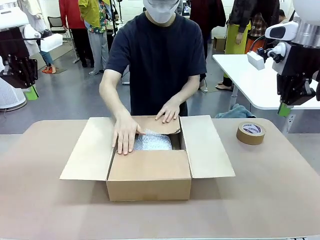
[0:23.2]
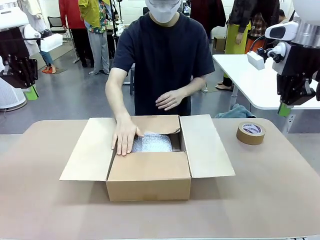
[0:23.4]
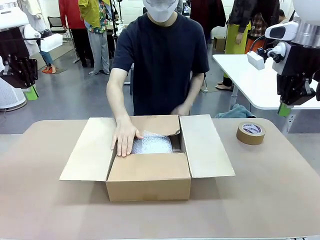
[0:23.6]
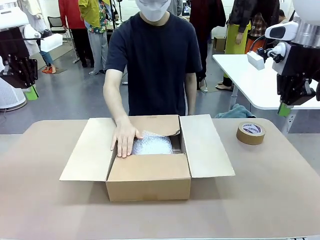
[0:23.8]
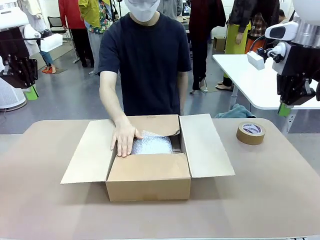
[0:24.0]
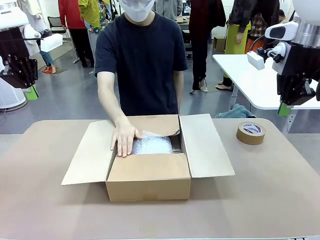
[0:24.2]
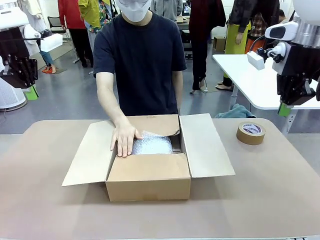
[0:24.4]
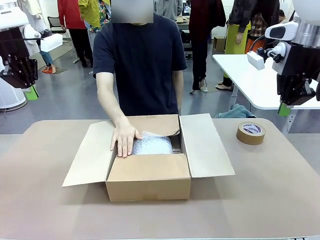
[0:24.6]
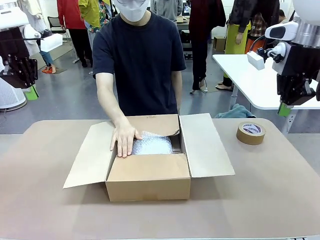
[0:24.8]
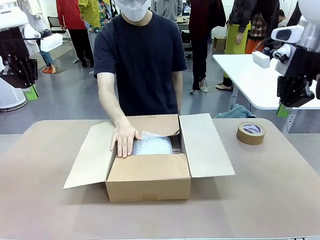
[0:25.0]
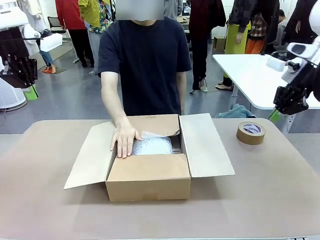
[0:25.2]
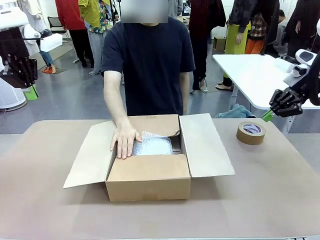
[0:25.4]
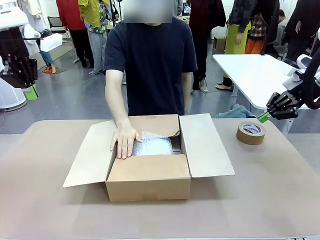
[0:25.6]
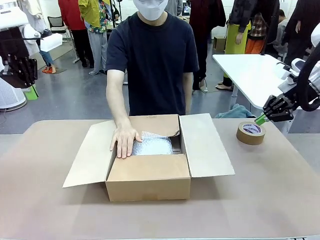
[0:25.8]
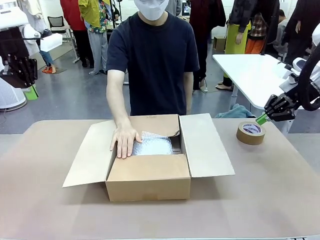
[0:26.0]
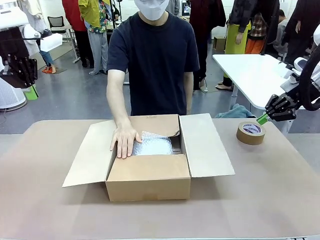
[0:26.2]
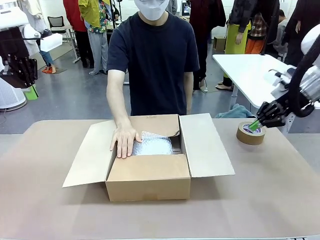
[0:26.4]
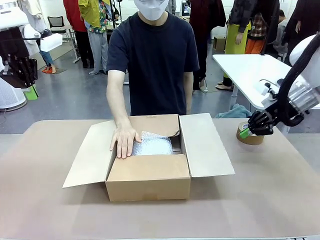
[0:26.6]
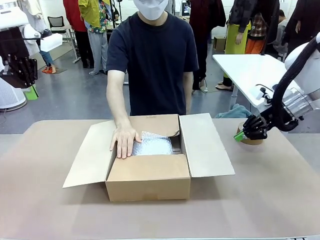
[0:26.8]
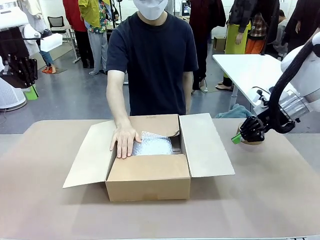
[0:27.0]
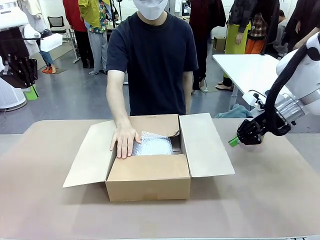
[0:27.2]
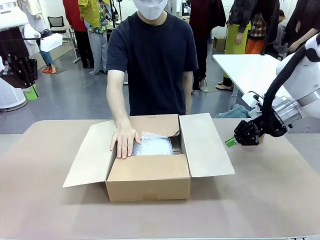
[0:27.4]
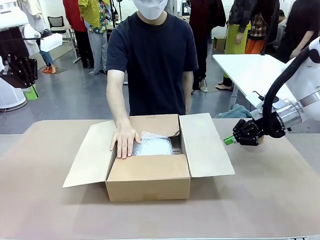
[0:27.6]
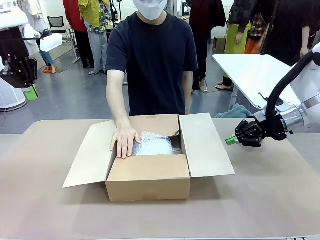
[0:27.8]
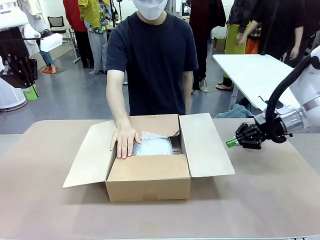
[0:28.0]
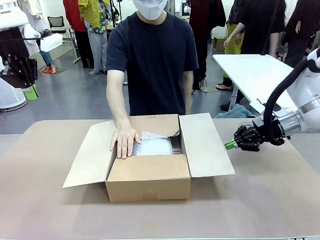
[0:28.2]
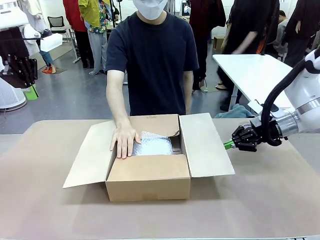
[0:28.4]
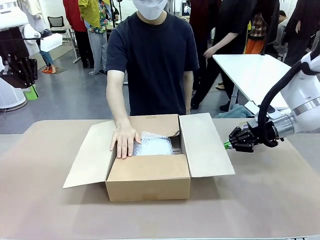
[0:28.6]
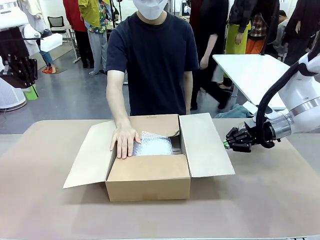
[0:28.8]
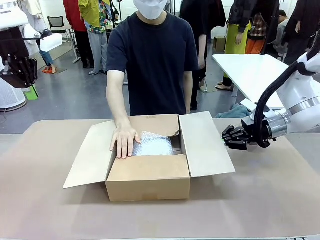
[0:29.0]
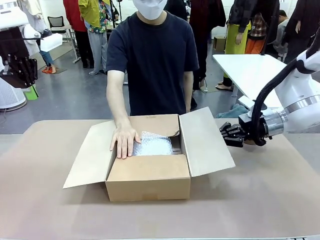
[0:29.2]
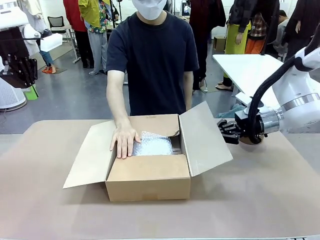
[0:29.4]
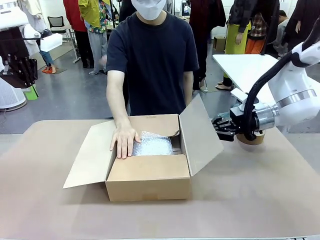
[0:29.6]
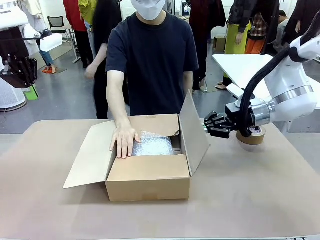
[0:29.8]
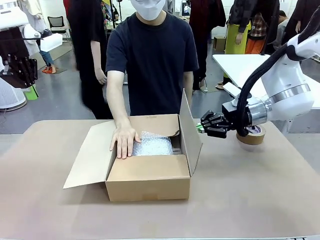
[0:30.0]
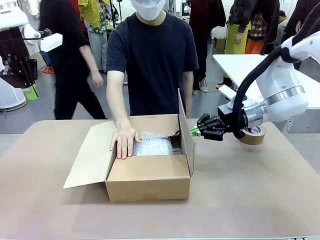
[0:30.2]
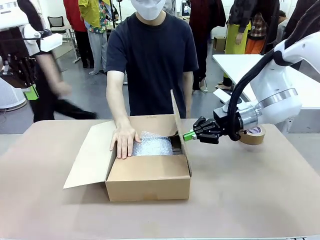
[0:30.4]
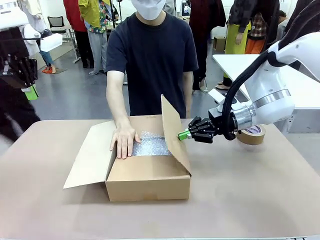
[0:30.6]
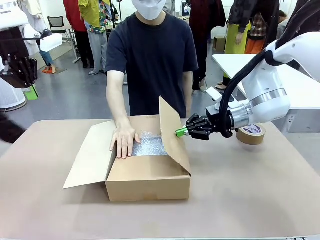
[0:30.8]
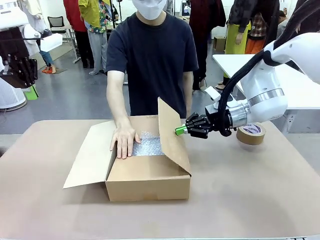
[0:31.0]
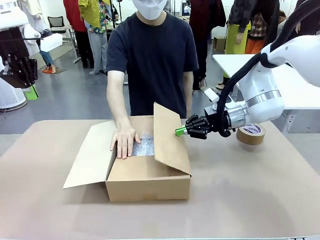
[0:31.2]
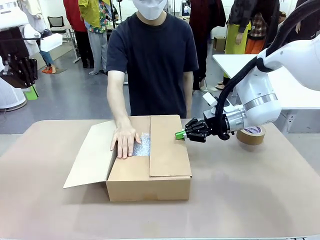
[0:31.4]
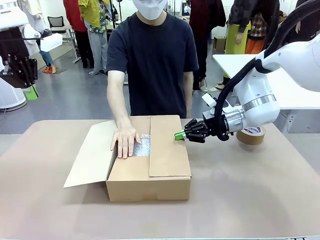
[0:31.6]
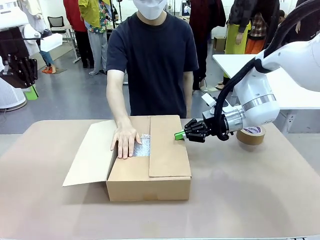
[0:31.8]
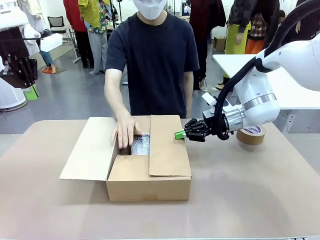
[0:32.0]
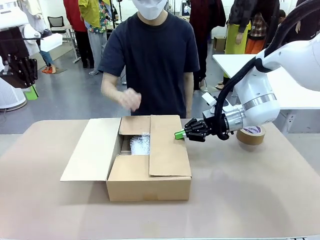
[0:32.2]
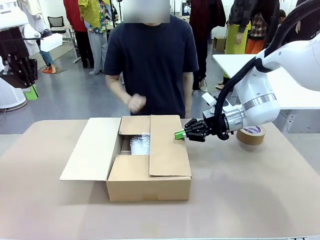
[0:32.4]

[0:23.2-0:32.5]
Task: Wrap the clocks to prevent damage.
Robot: Push the right (or left) flap of the Package Box to close it.
Person: Once the robot closes the right flap of the Package Box , release your left hand from the box.

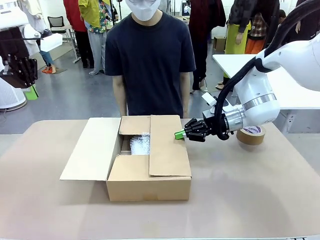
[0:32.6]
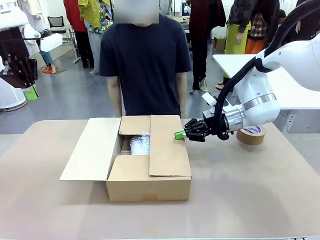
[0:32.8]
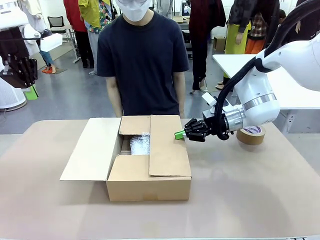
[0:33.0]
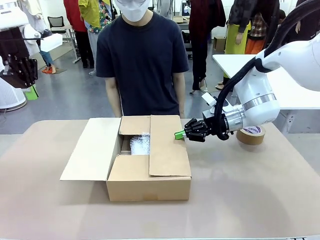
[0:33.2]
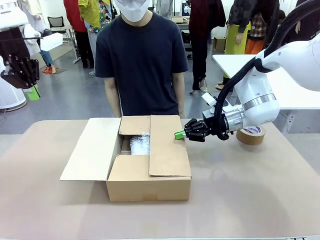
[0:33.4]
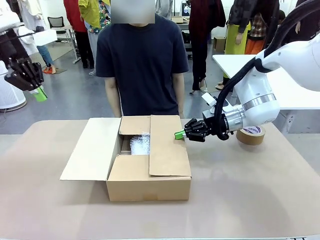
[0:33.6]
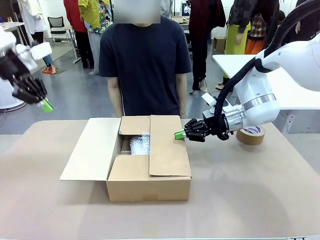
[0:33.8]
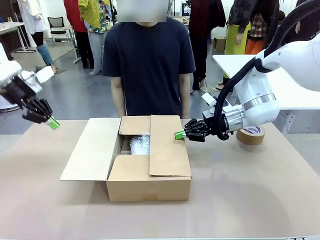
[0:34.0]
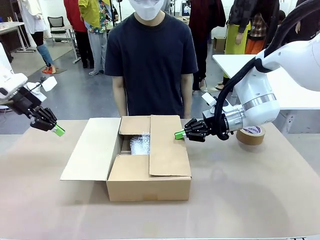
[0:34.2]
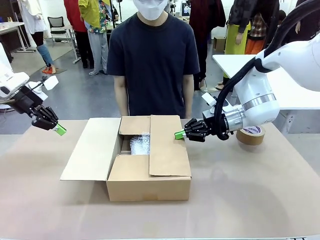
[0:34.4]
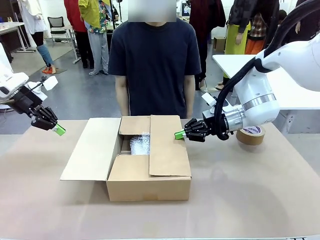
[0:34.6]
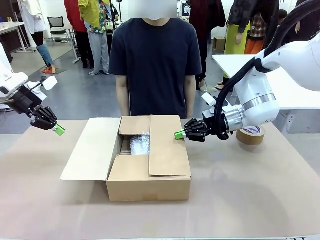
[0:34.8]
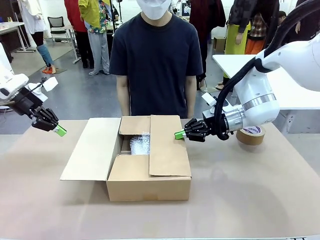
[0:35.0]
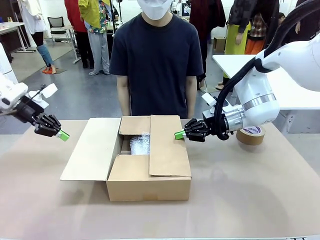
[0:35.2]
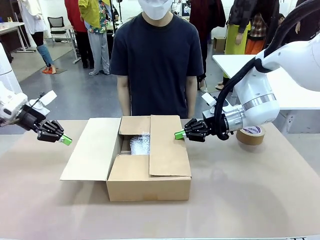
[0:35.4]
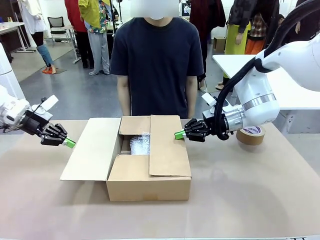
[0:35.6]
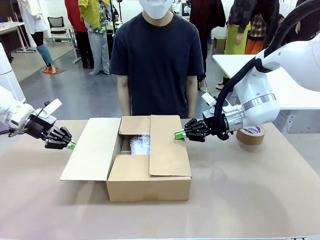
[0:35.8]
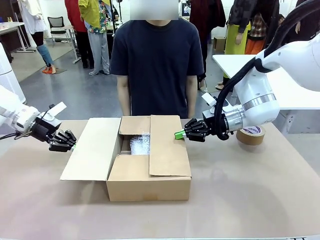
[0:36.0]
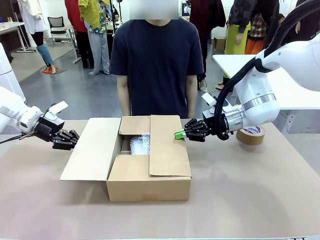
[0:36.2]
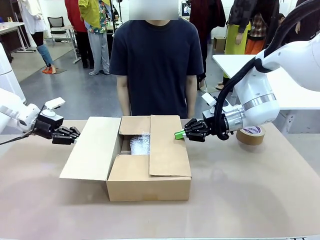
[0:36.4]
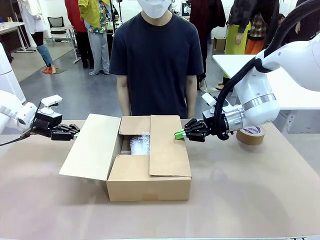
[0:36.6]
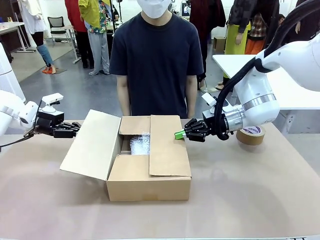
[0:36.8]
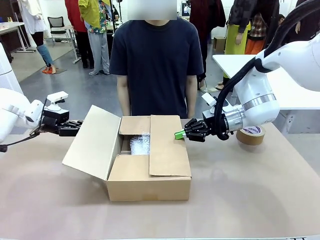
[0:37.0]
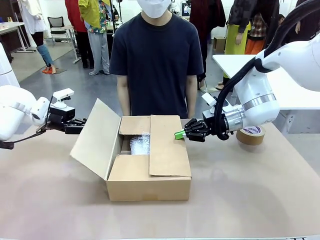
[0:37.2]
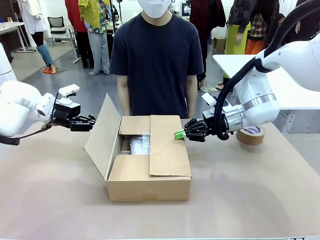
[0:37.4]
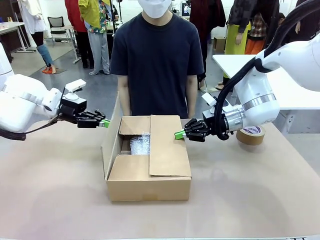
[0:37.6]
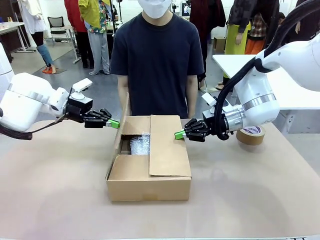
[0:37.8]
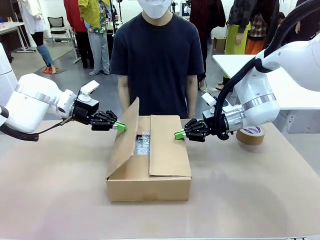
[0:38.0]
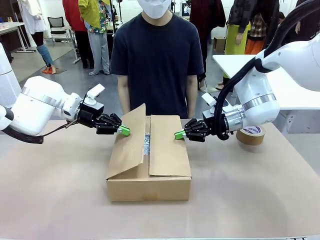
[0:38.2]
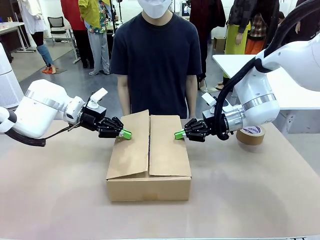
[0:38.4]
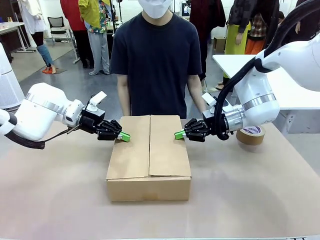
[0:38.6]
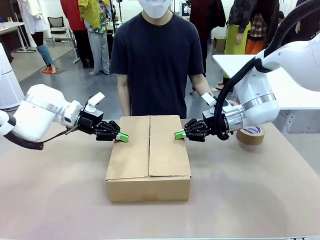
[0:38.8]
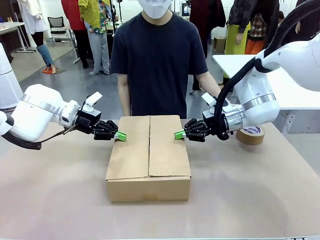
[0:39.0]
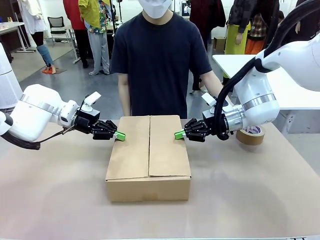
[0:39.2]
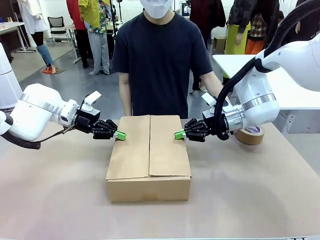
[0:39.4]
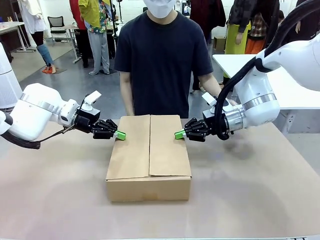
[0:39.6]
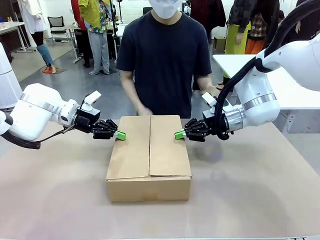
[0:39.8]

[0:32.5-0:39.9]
Robot: Push the left (or right) flap of the Package Box to close it.

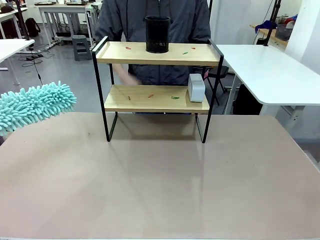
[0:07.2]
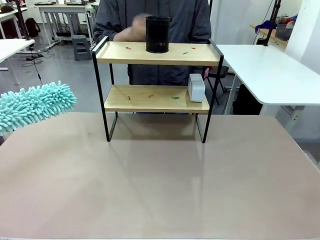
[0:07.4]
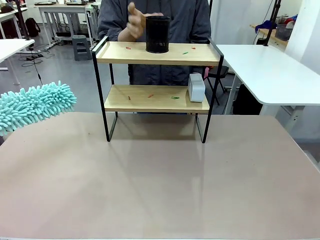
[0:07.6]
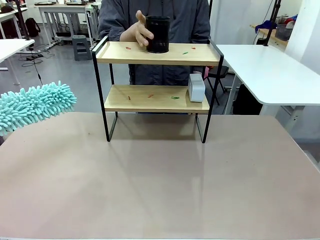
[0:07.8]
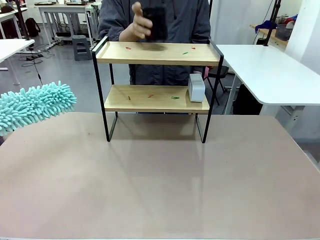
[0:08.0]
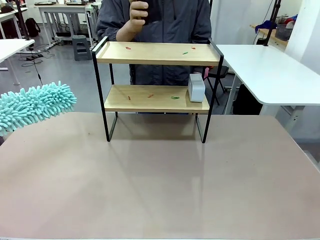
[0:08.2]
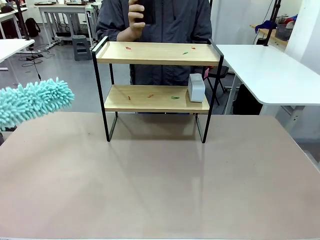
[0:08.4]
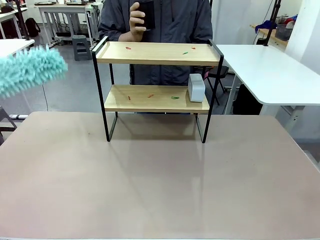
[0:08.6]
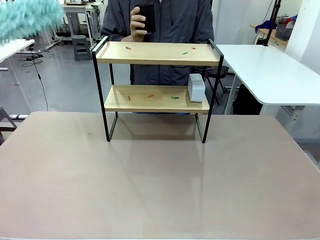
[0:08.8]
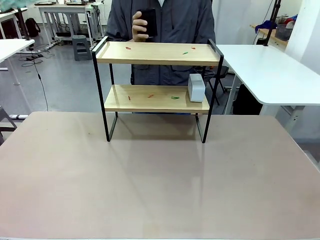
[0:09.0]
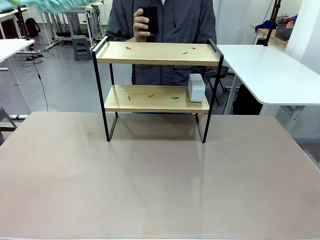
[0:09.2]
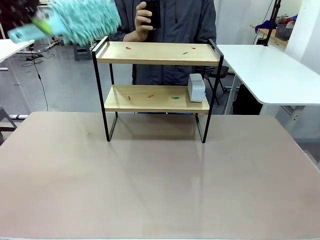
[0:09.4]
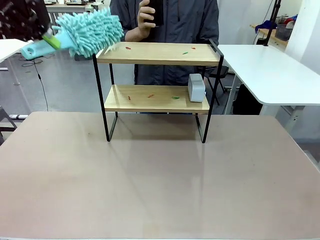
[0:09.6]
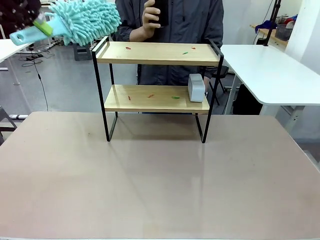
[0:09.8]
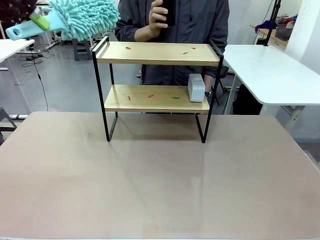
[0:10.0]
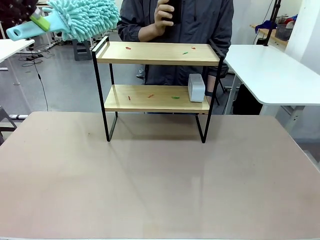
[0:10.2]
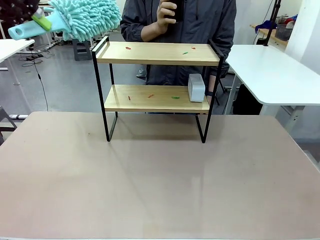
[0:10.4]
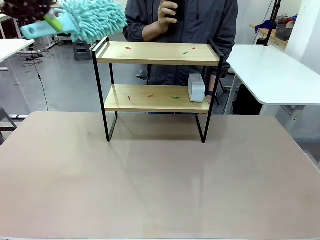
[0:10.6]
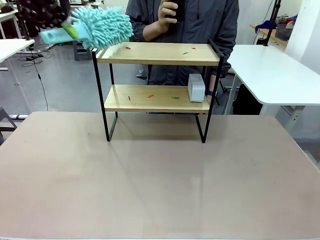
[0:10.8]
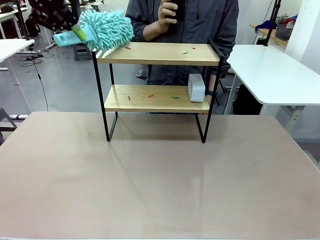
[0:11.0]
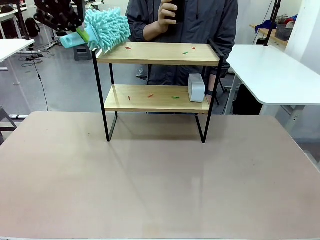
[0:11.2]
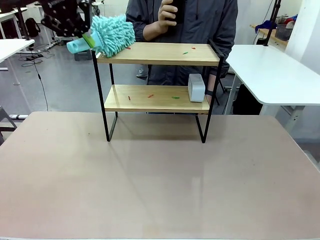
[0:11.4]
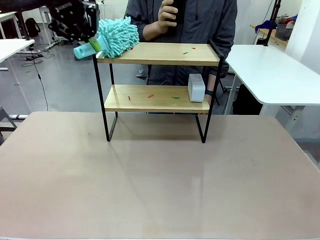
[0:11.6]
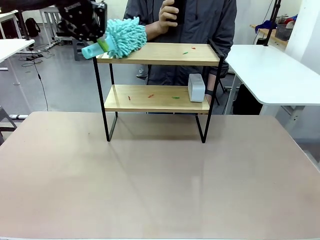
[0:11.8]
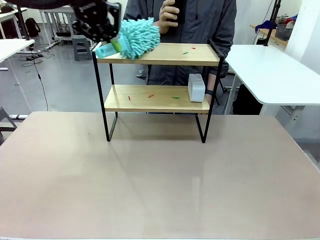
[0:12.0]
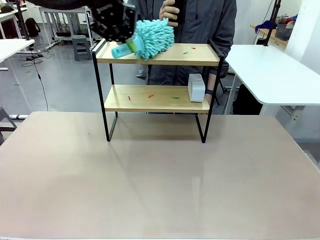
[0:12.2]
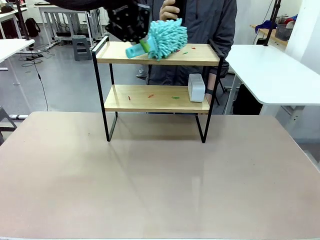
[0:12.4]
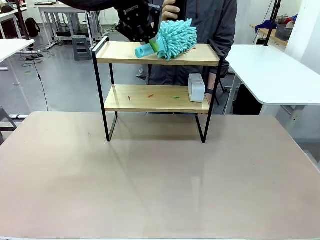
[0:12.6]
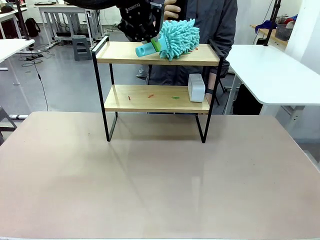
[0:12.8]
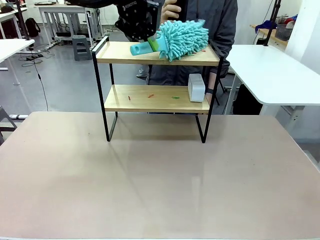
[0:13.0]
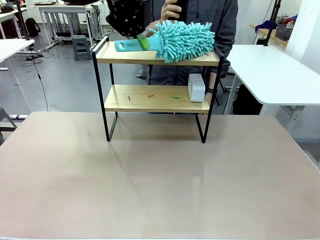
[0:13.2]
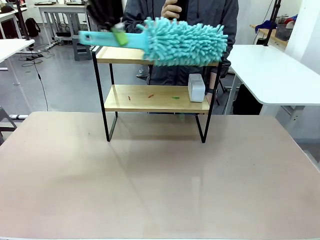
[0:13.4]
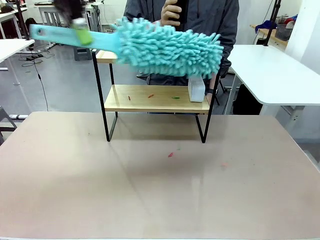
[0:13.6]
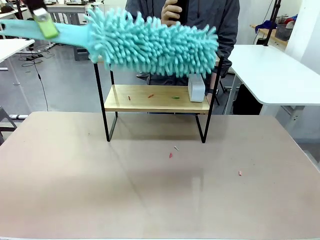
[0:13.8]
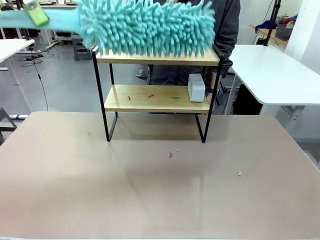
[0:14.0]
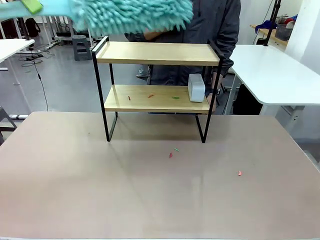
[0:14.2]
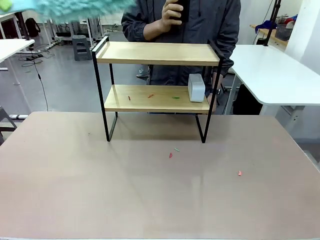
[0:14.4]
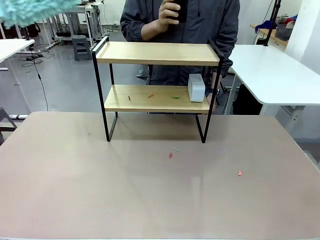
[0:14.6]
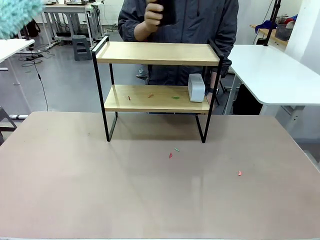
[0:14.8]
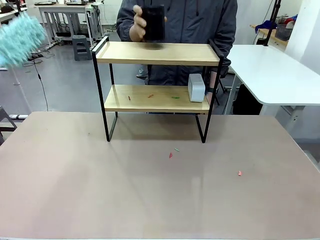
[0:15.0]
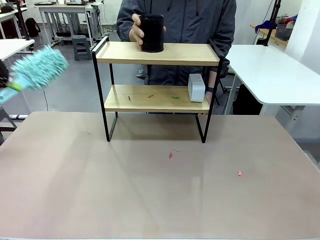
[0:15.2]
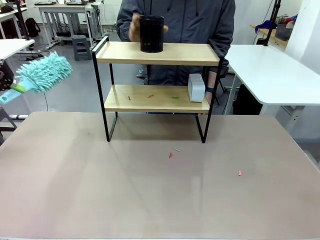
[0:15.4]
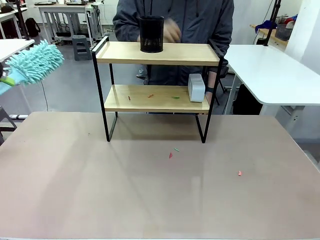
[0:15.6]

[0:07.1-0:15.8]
Task: Clean the shelf.
Robot: Clean the specific tier of the Shelf with the Duster once objects are removed.
Person: Lift the objects on a randomly selected tier of the Shelf. Once the robot finishes cleaning, lift the objects on the remaining tiers of the Shelf.
